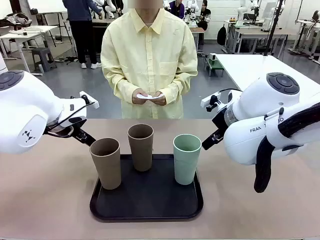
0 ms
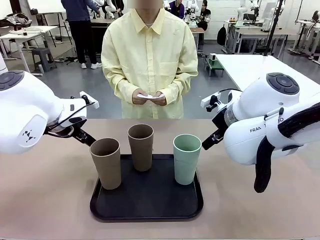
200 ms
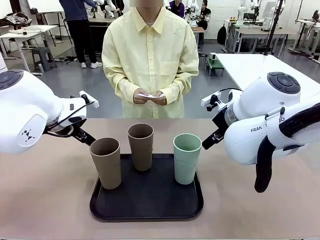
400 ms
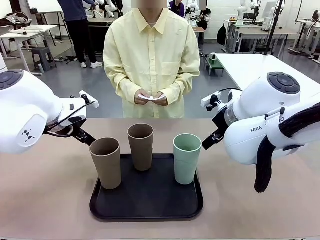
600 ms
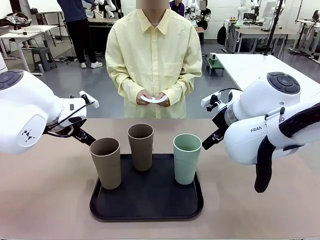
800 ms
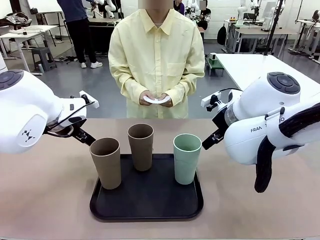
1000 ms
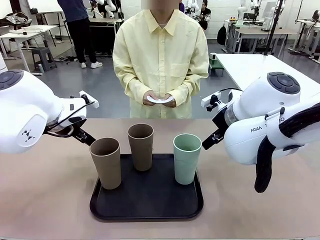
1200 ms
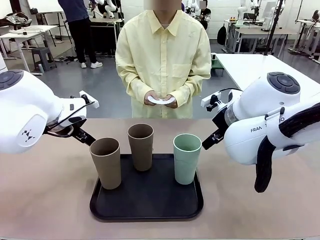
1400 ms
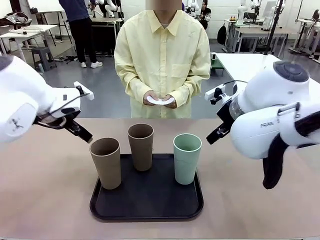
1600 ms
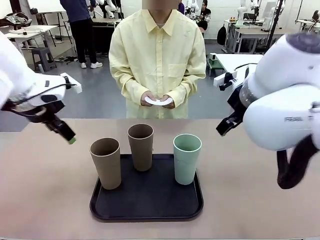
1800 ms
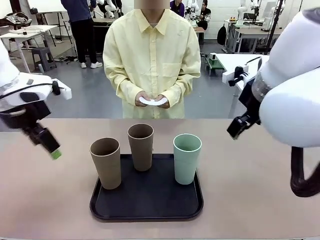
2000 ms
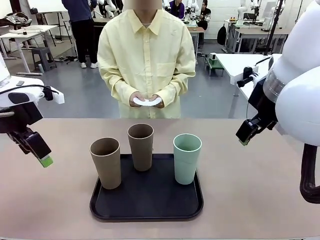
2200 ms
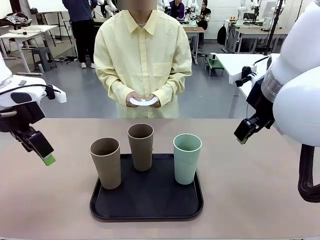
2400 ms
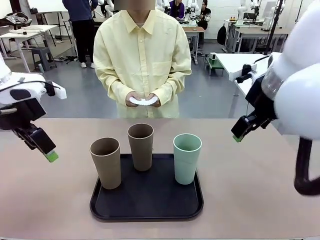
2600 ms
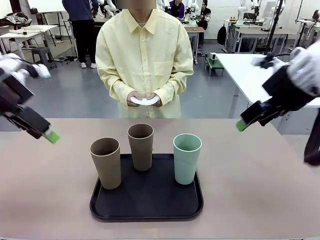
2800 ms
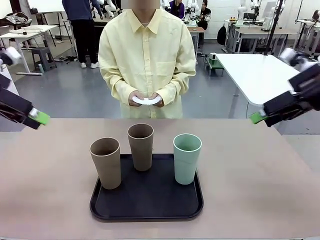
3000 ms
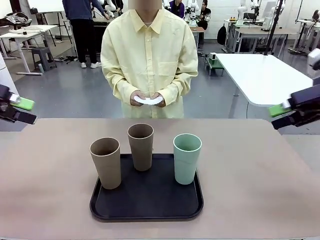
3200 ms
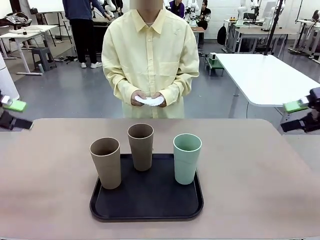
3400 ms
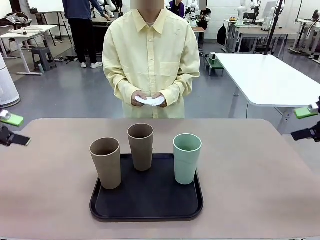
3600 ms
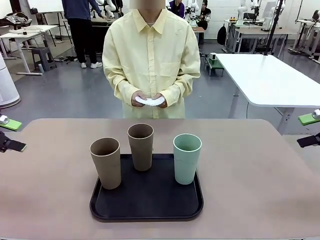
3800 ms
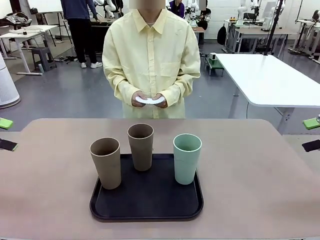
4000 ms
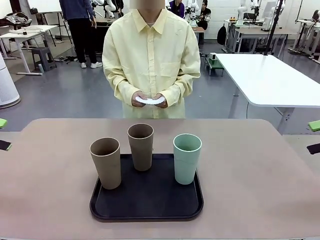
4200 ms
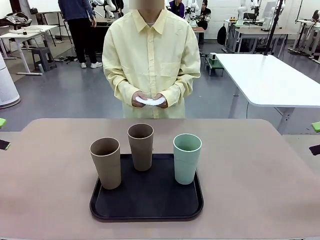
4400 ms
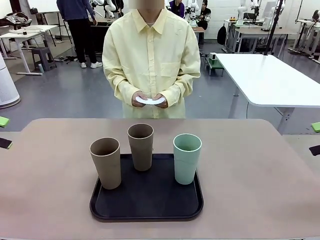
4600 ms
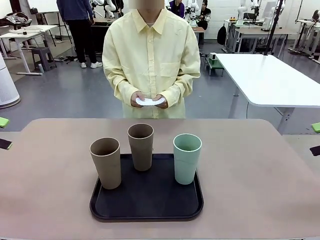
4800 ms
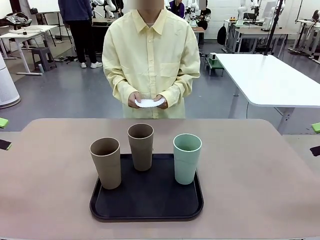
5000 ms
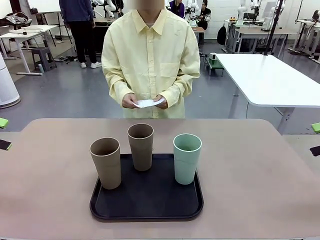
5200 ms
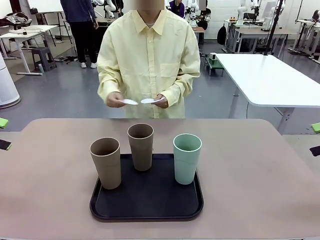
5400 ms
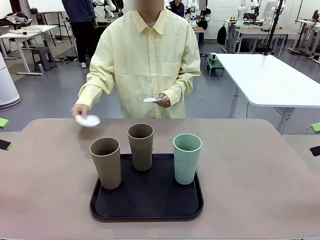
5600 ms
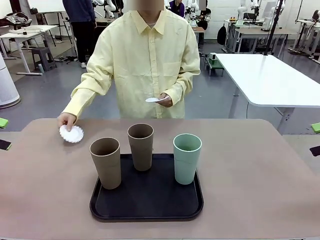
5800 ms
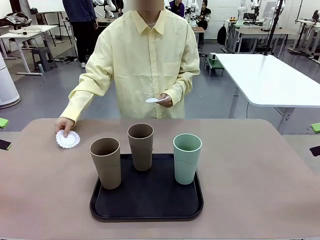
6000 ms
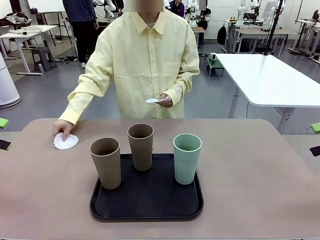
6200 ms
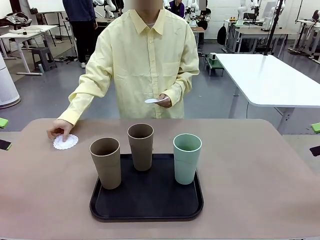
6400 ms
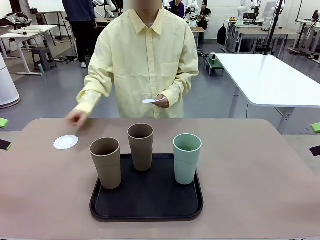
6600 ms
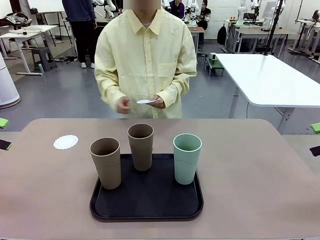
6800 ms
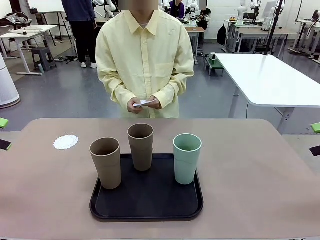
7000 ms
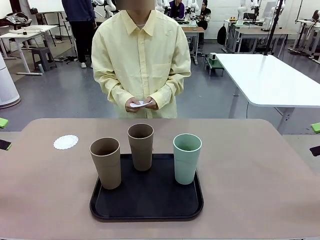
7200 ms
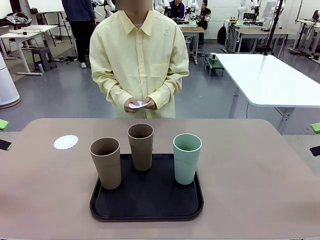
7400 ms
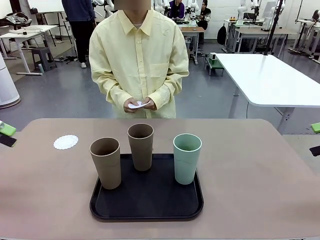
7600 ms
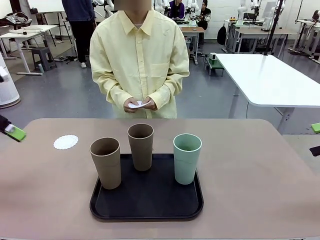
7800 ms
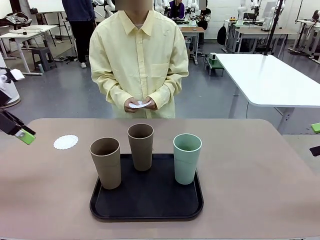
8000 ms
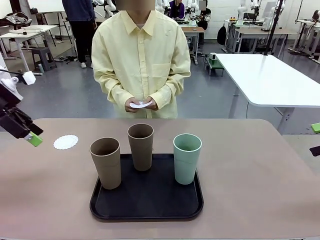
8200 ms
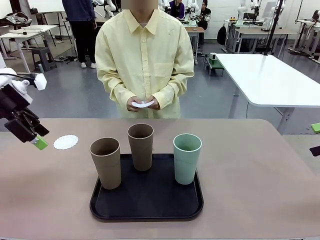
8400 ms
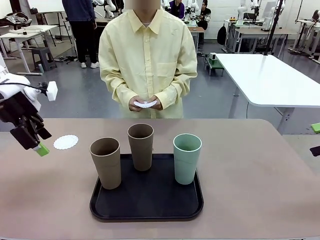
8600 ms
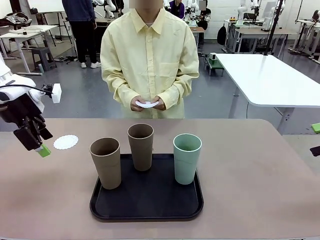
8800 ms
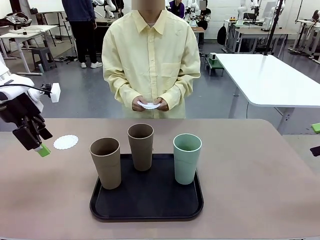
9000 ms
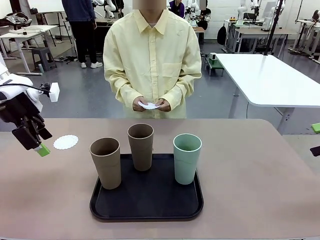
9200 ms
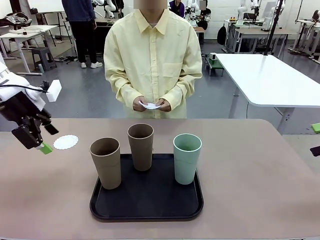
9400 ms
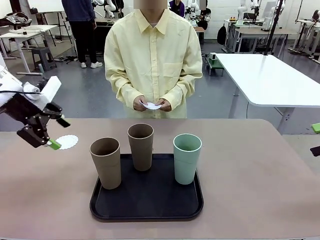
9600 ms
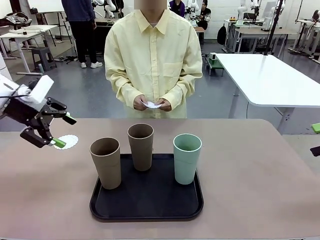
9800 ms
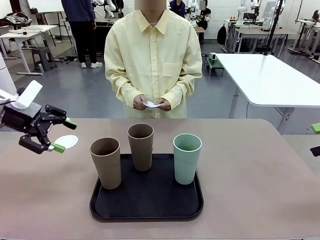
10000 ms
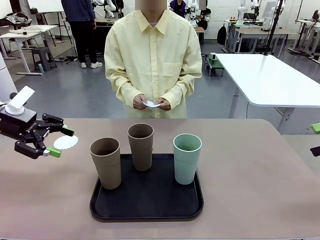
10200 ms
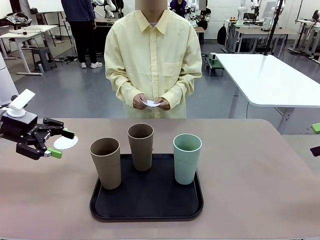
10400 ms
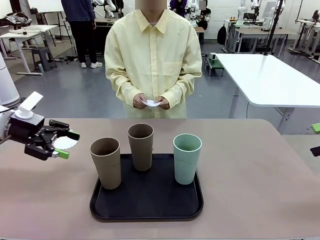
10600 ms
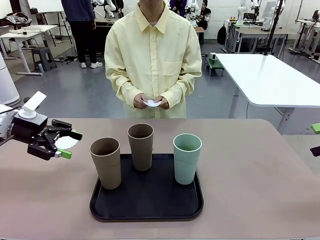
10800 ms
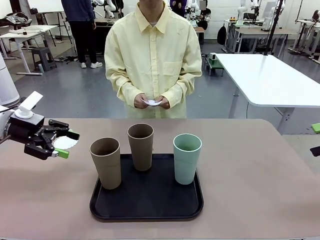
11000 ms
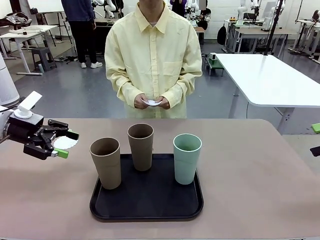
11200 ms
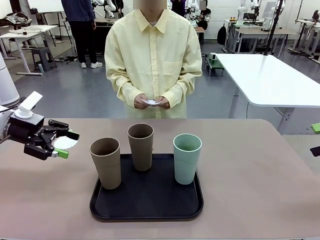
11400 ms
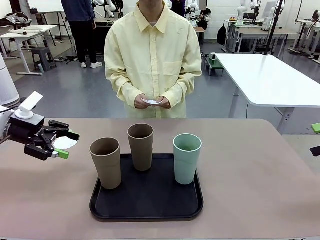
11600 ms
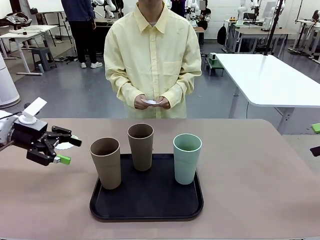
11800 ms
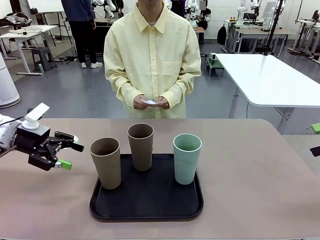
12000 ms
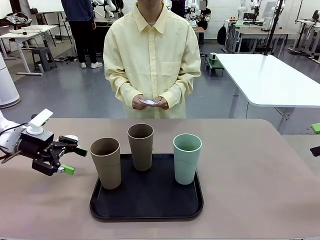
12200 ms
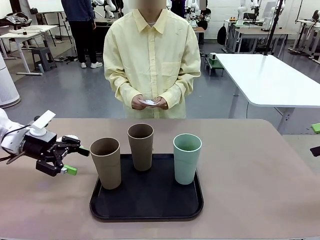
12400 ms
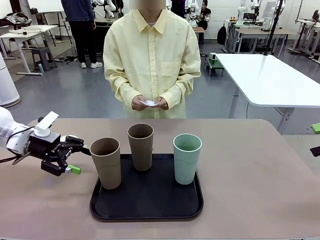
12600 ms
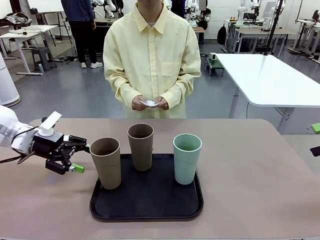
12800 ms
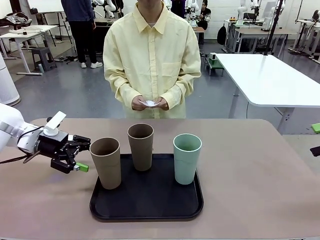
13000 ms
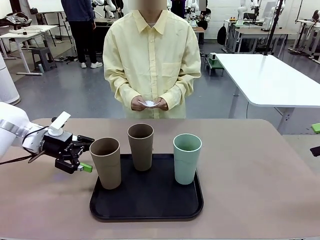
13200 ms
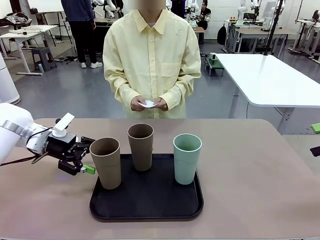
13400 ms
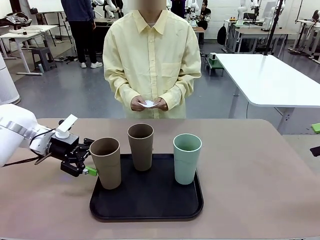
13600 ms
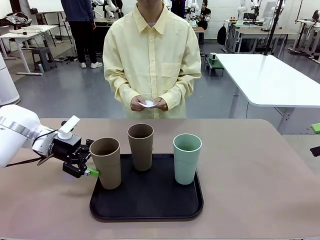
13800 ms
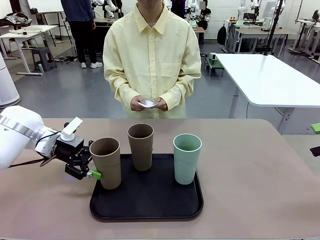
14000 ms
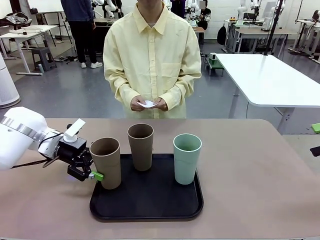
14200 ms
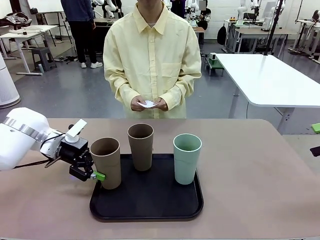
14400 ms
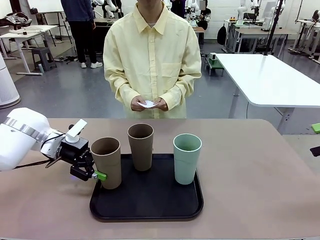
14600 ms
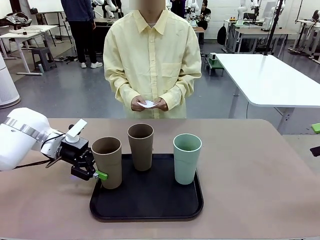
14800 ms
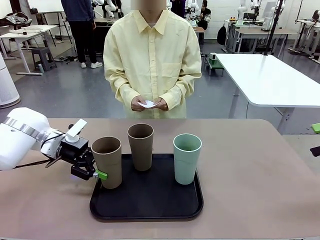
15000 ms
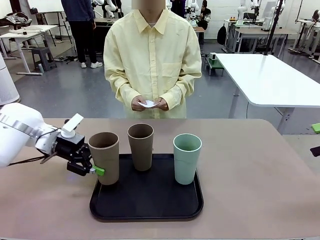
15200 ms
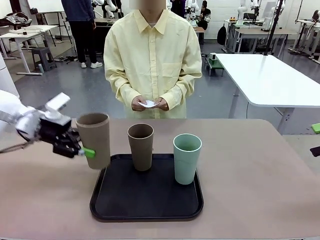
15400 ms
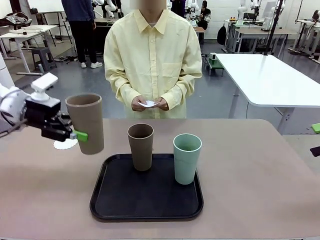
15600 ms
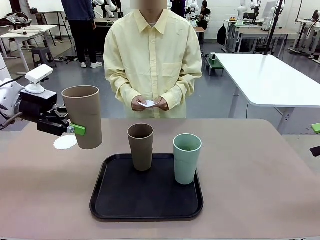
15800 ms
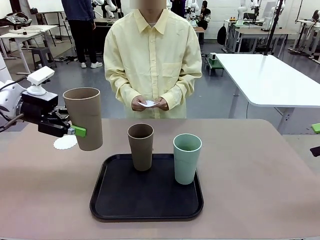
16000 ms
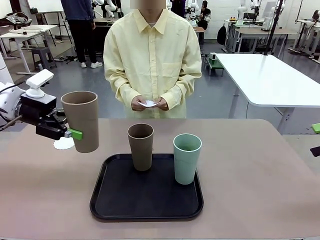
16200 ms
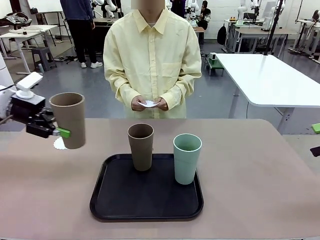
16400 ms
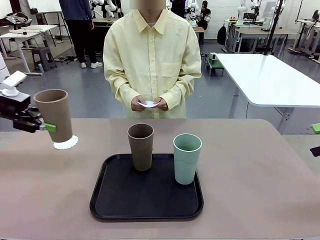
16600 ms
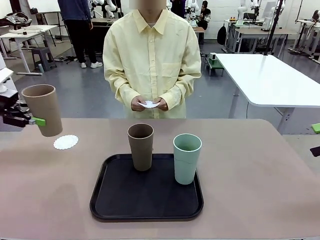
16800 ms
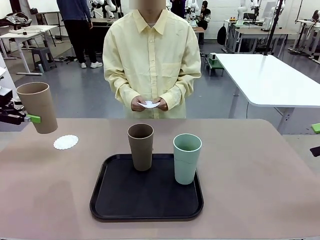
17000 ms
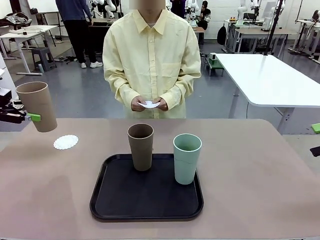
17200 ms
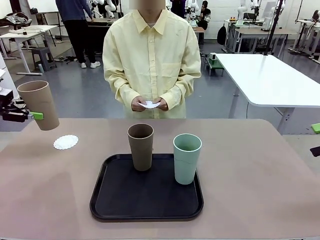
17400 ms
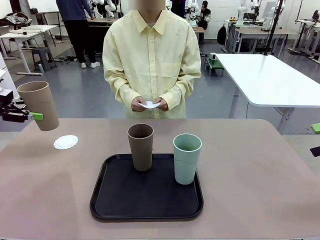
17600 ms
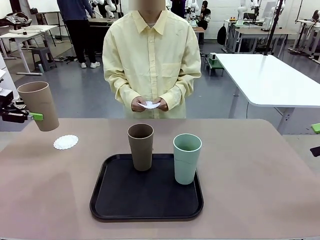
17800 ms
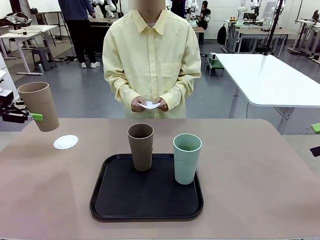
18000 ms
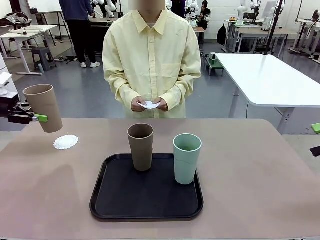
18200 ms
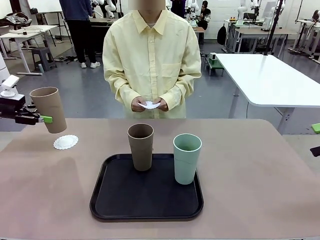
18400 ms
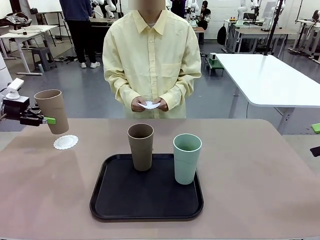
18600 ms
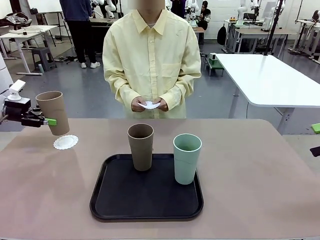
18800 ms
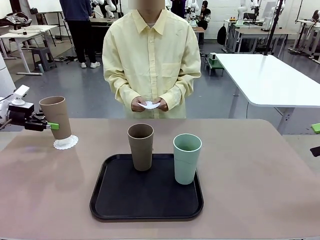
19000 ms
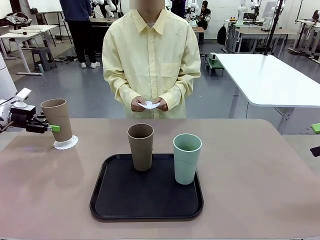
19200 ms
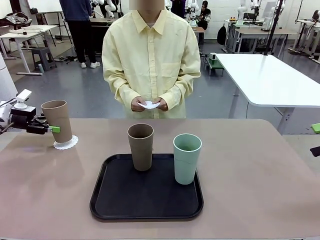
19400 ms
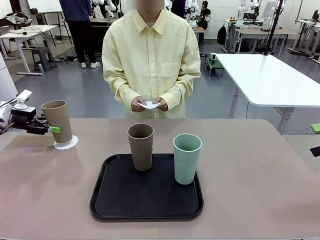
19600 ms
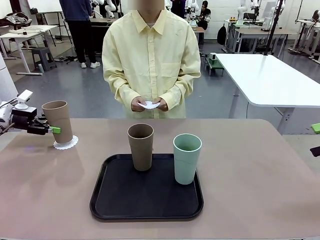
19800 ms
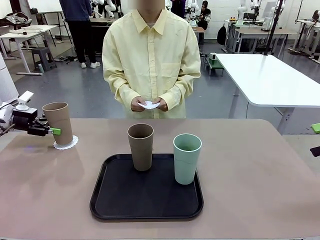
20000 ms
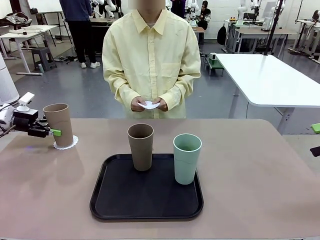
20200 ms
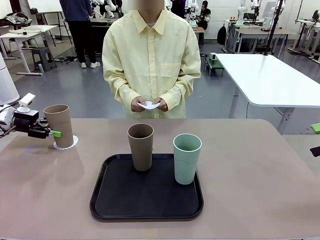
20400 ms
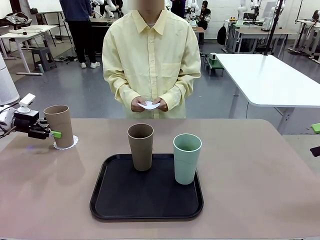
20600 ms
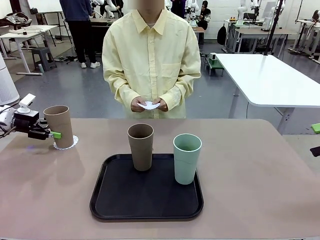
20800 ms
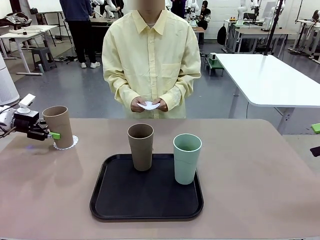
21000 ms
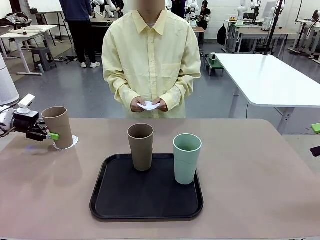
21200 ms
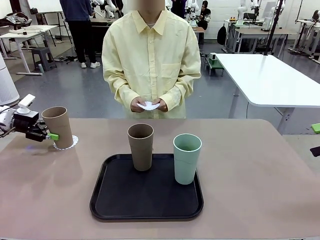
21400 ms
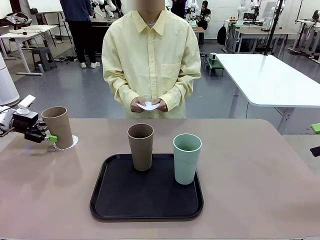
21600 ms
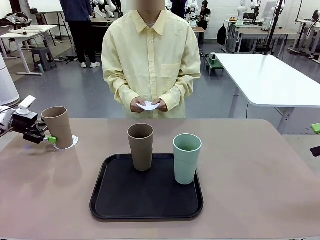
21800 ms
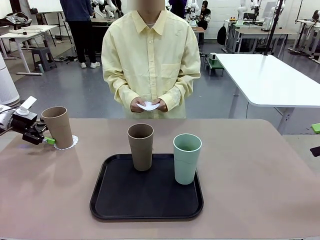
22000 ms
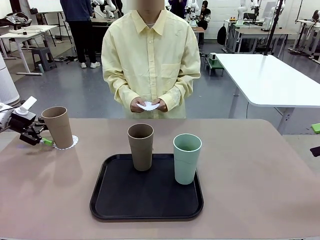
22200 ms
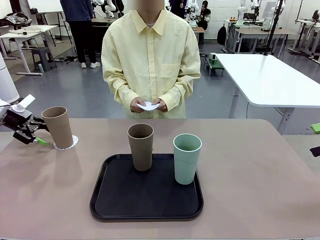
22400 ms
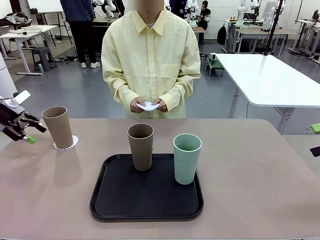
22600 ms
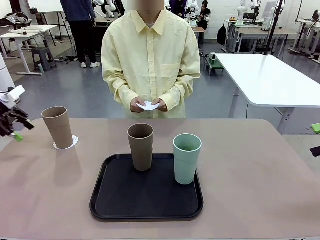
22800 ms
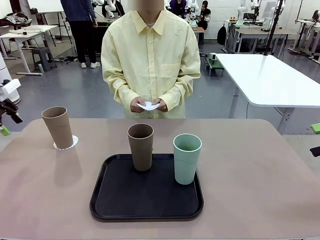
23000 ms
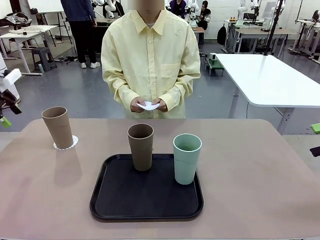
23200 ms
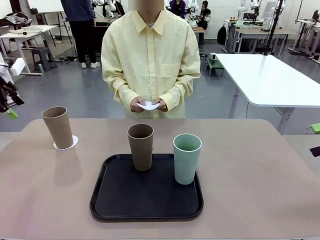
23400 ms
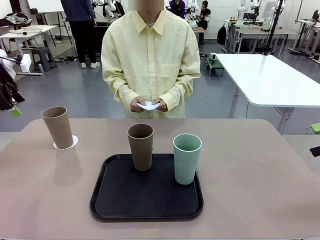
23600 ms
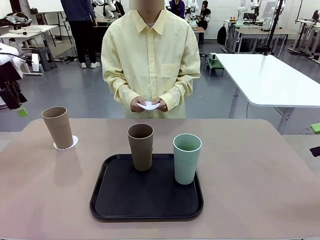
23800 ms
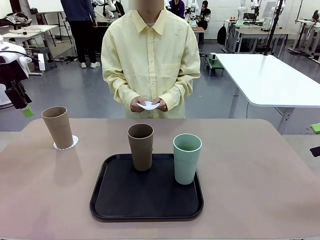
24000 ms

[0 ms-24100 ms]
Task: Place coasters on the table and set cups on them.
Robot: Pick up one Reusable plastic cup and place it on a coaster set by the human.
Person: Place one coaster in any one of the three lower areas of the robot table (left, center, or right). Place one coaster in one of the two areas excluding the previously selected area.
